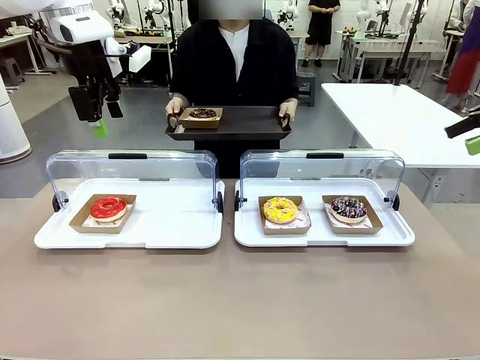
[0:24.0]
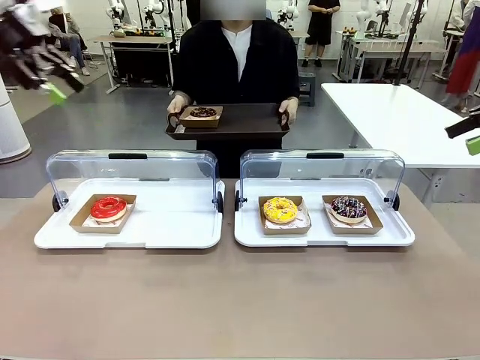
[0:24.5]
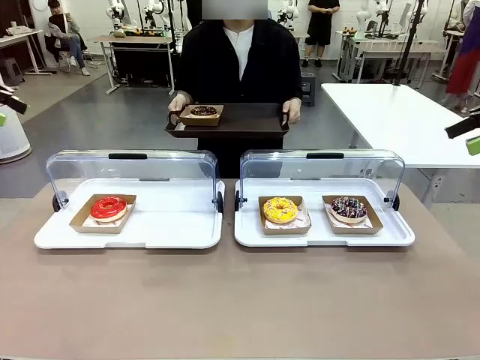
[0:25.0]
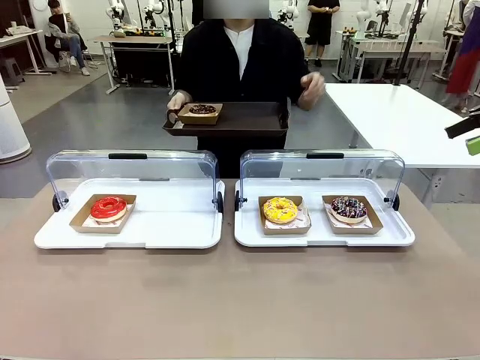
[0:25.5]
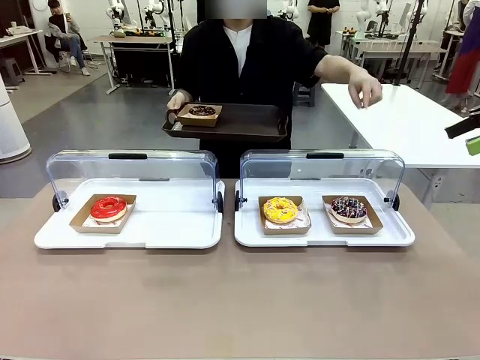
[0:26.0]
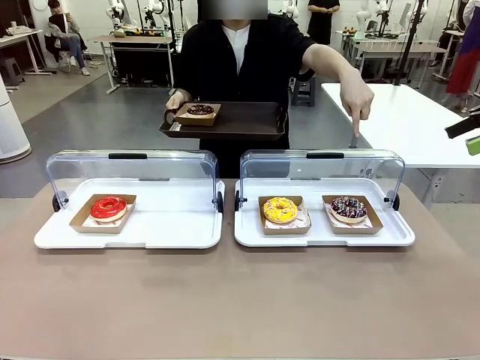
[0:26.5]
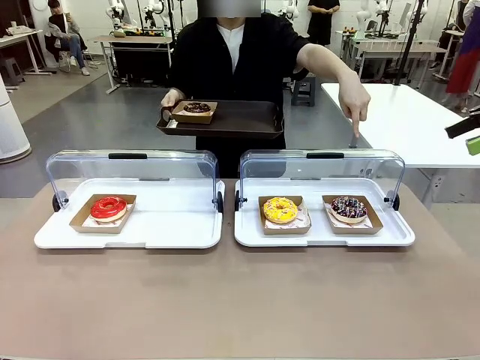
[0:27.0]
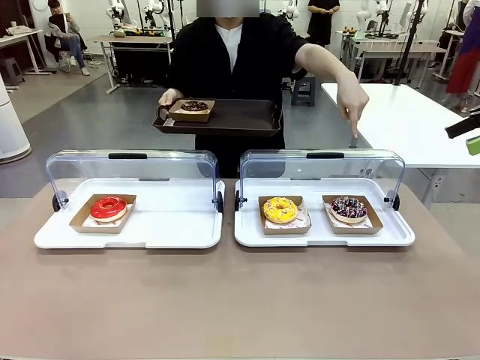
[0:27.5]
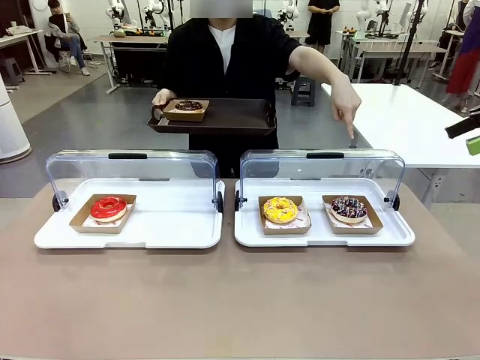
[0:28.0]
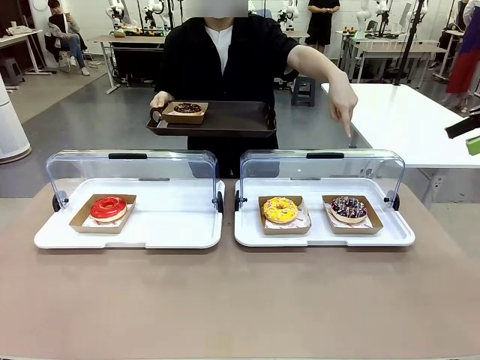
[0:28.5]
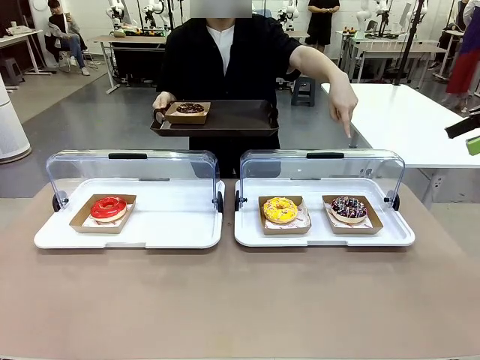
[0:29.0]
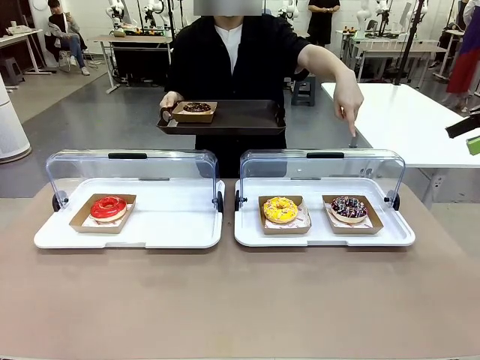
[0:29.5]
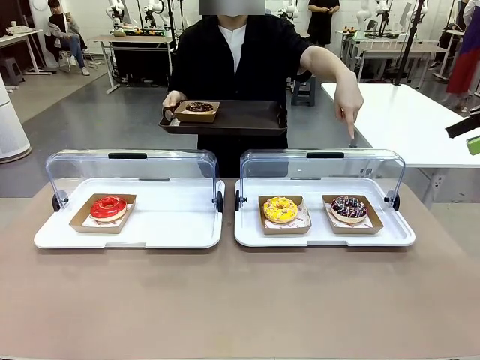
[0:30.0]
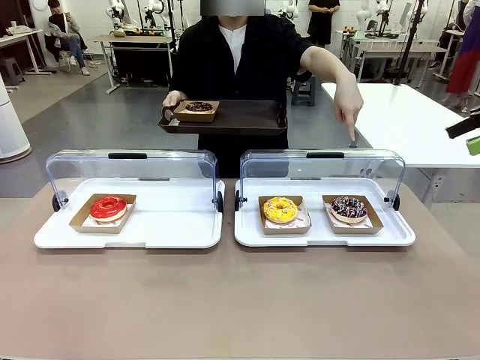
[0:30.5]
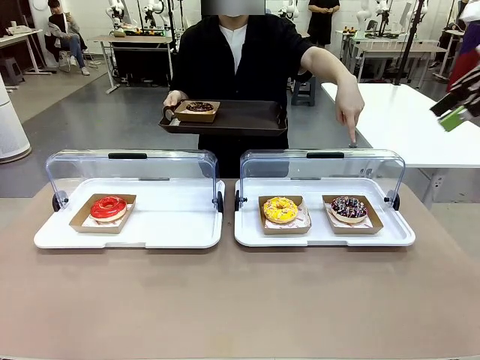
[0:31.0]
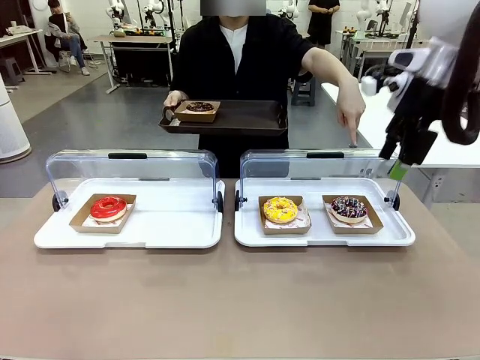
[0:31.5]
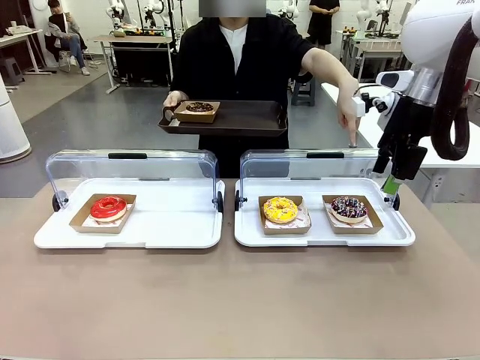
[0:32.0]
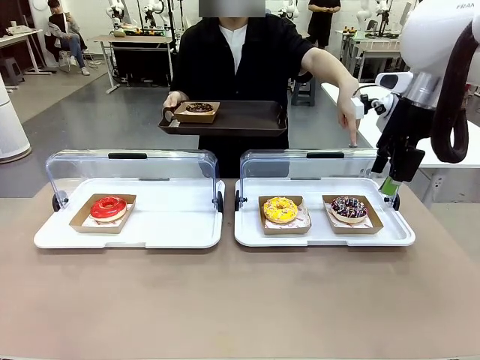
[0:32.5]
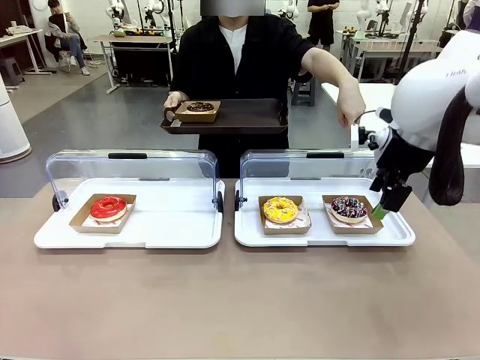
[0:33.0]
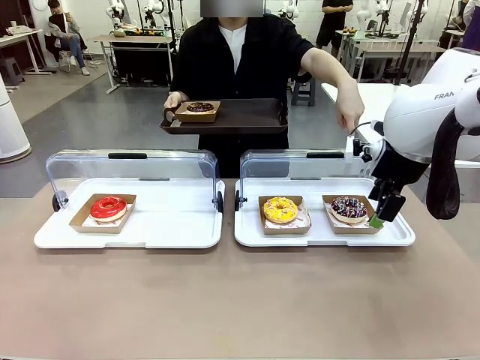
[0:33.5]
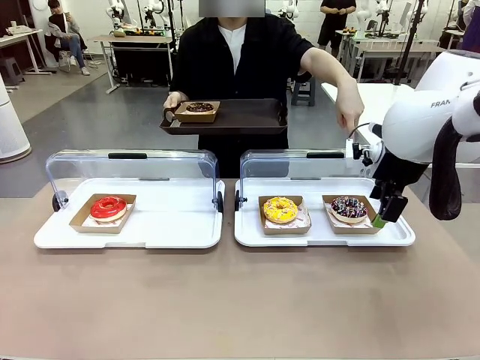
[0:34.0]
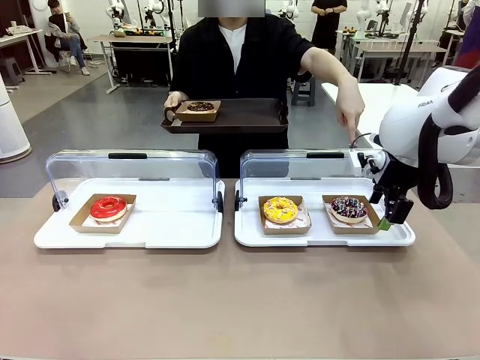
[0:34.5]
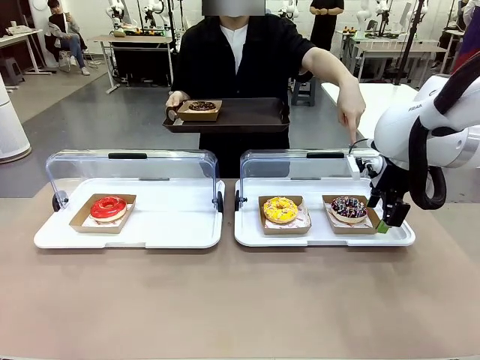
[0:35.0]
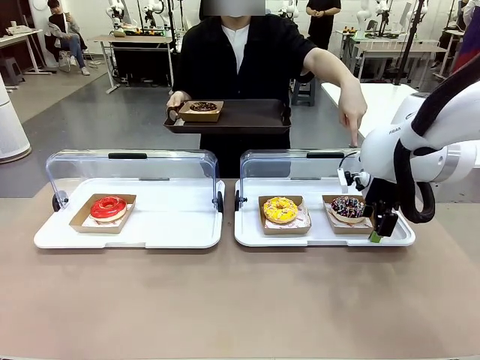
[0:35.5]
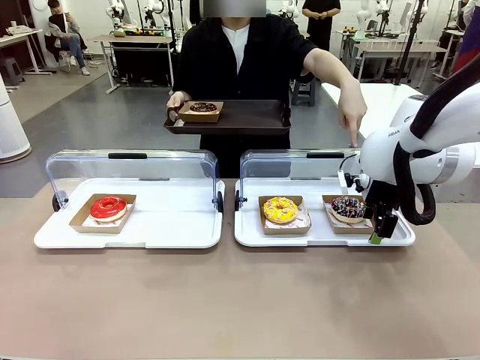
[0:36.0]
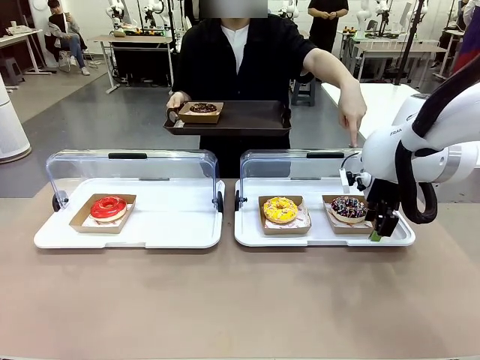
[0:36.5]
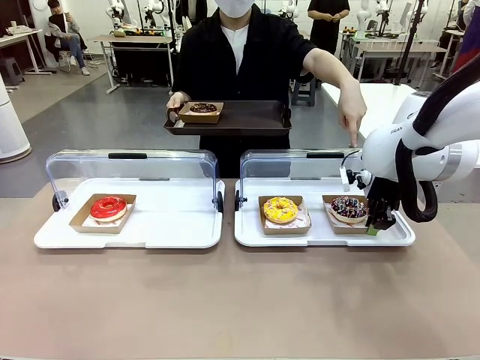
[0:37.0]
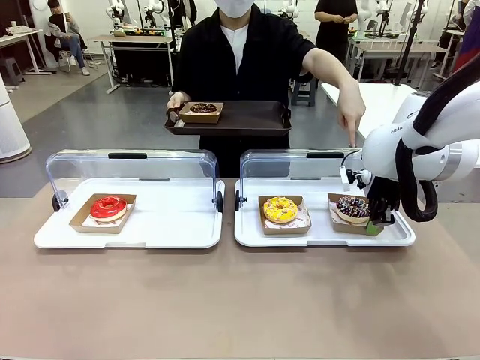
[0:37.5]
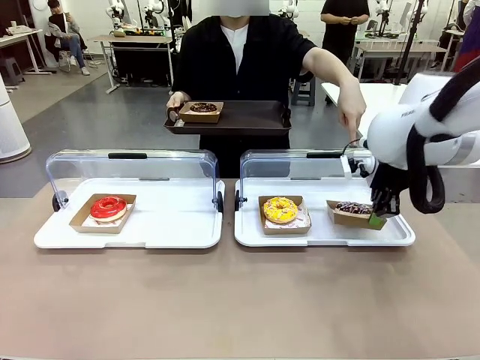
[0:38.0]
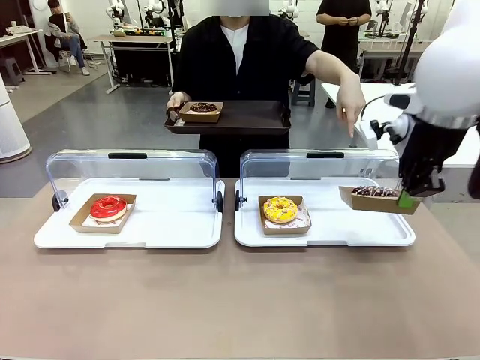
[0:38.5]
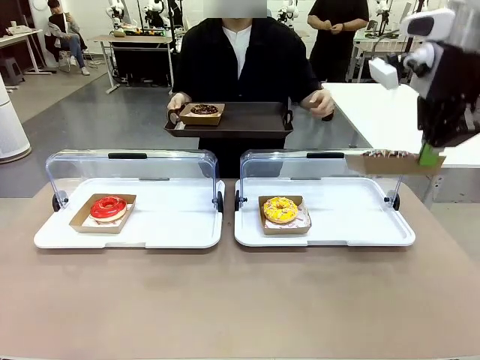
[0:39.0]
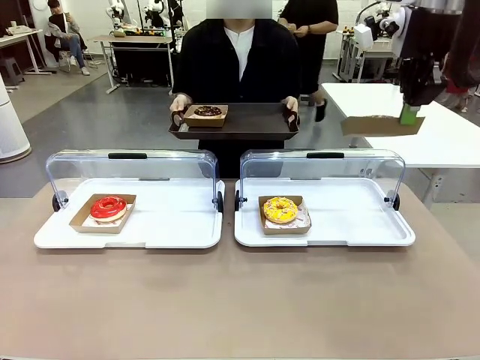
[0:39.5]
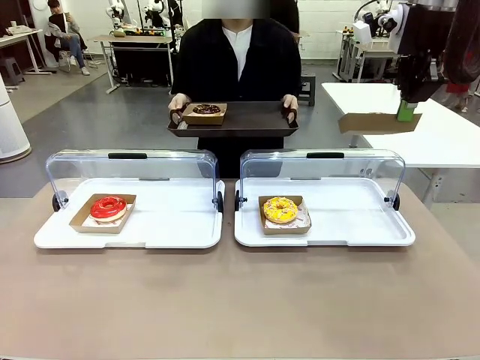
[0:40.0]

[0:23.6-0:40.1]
Task: Provide the desired donut to the person.
Robot: Pick up and lift the Paper togo box containing the Donut pointed at by the person.
Person: Point to one donut. Lift the tray onto the Roll-Top Bakery Case.

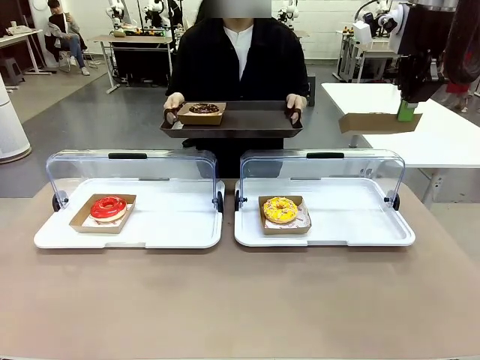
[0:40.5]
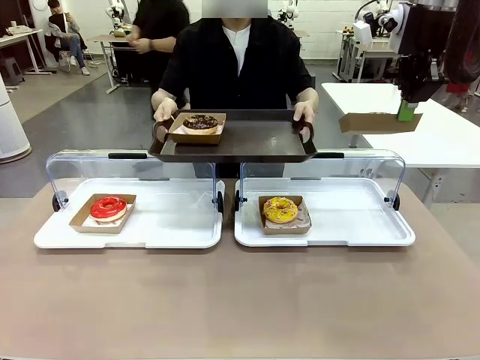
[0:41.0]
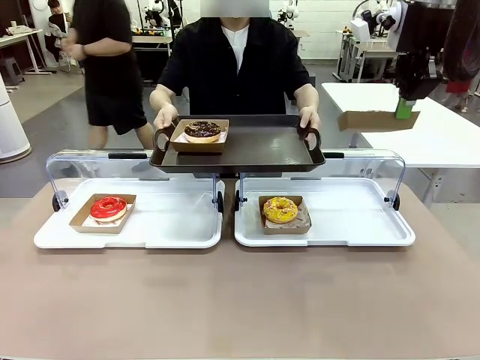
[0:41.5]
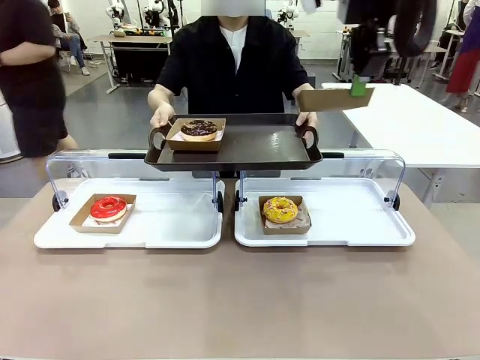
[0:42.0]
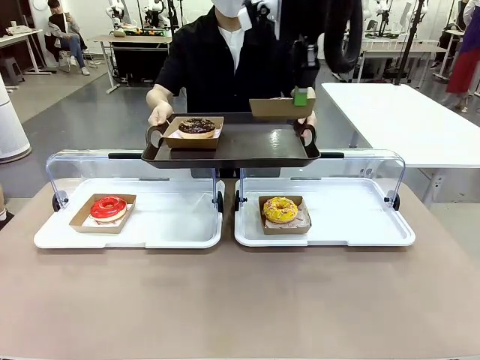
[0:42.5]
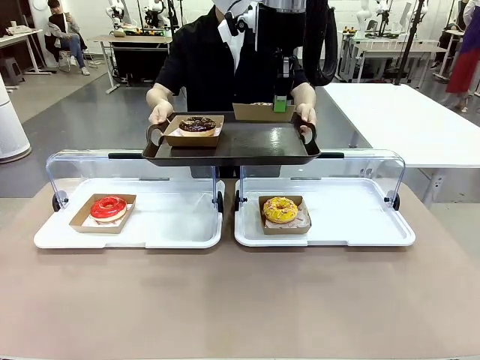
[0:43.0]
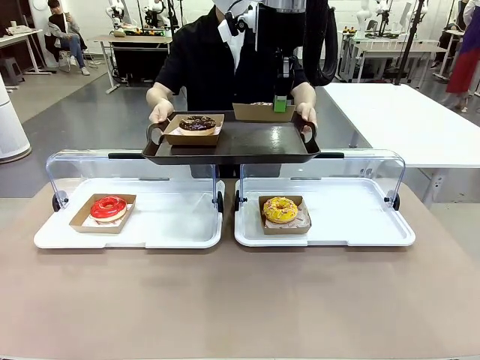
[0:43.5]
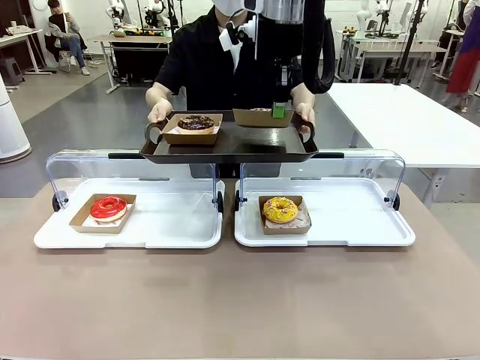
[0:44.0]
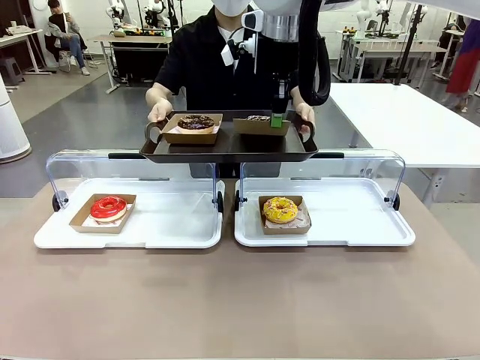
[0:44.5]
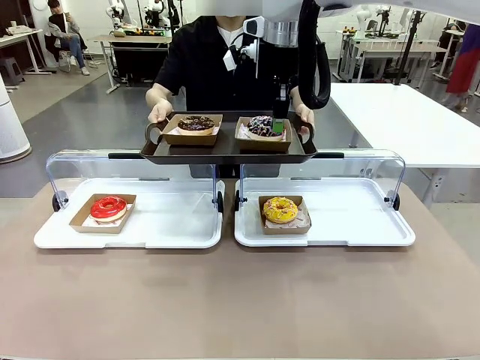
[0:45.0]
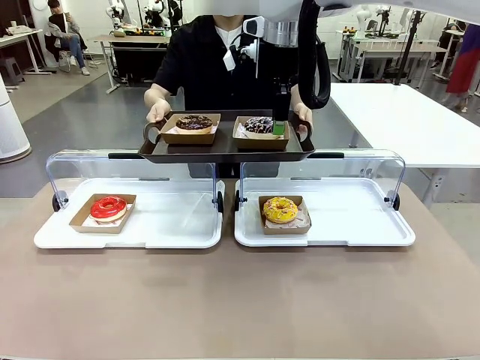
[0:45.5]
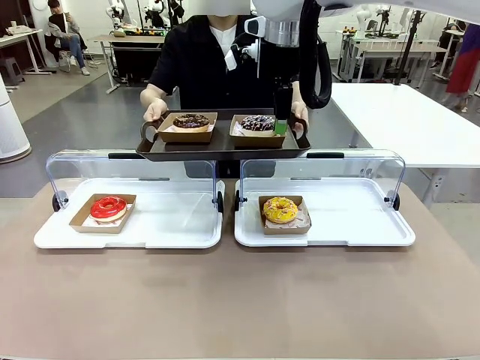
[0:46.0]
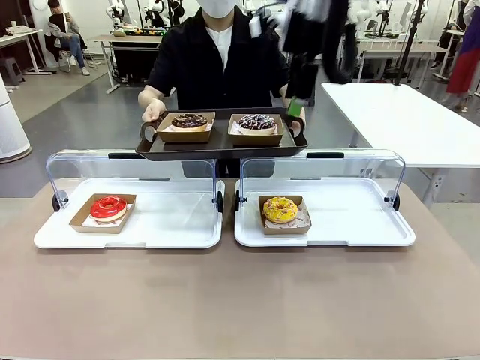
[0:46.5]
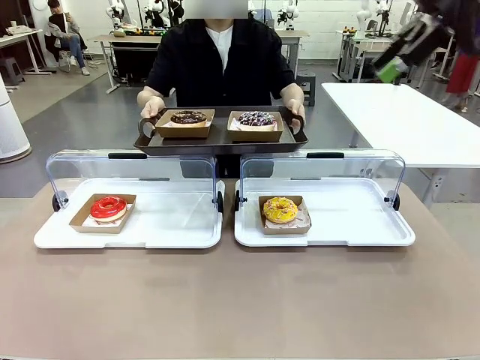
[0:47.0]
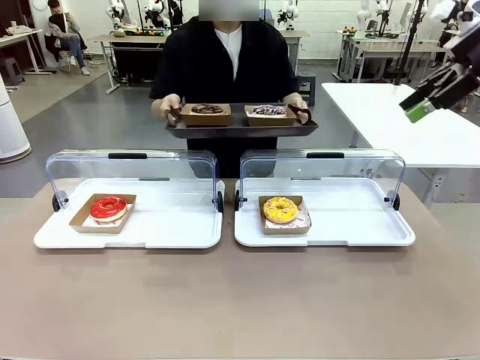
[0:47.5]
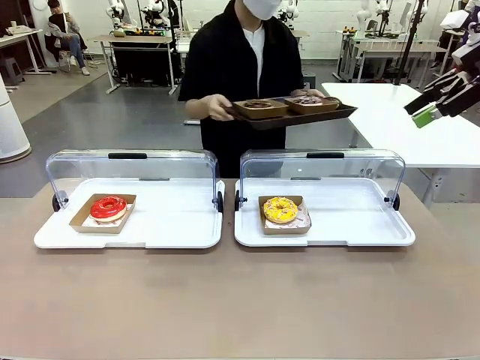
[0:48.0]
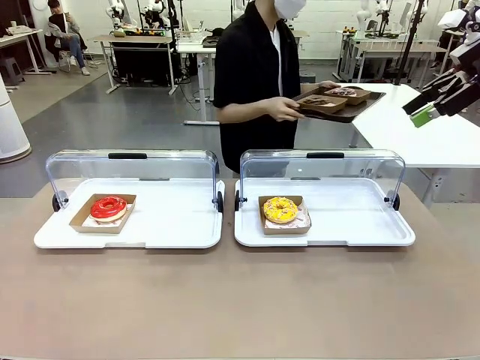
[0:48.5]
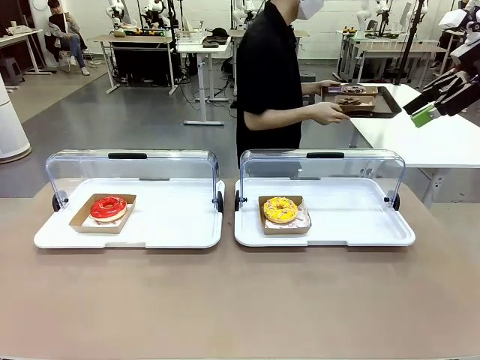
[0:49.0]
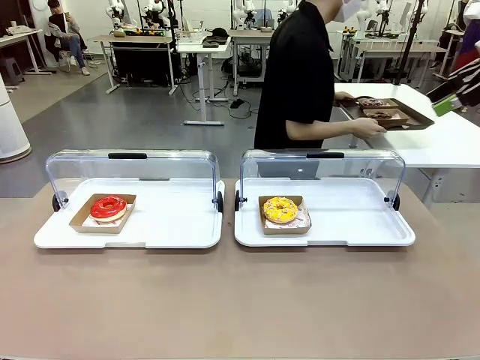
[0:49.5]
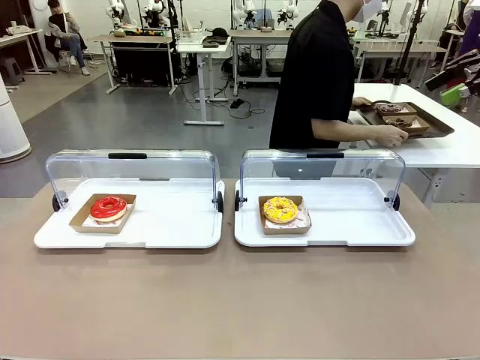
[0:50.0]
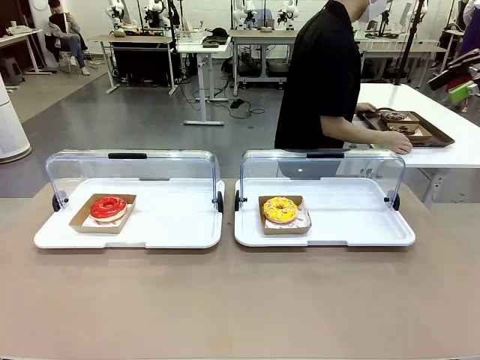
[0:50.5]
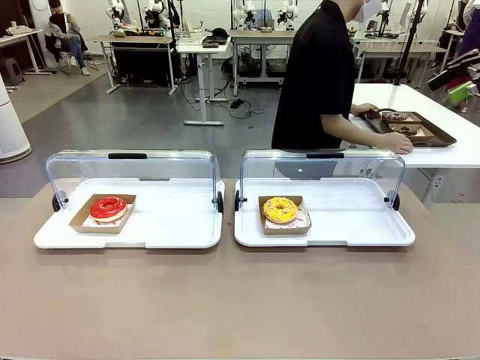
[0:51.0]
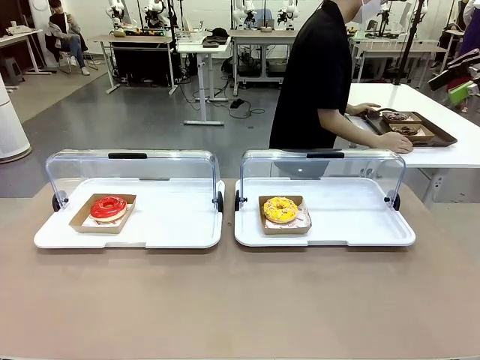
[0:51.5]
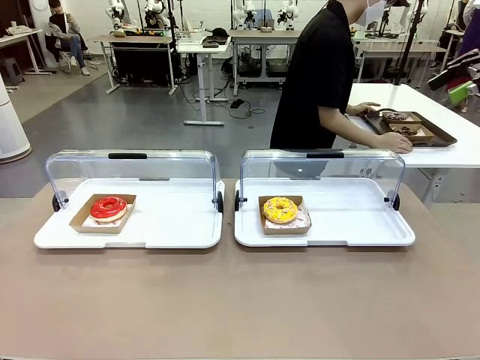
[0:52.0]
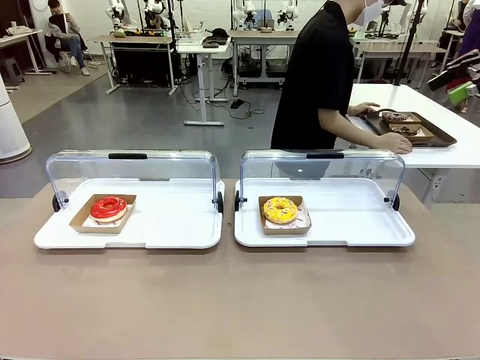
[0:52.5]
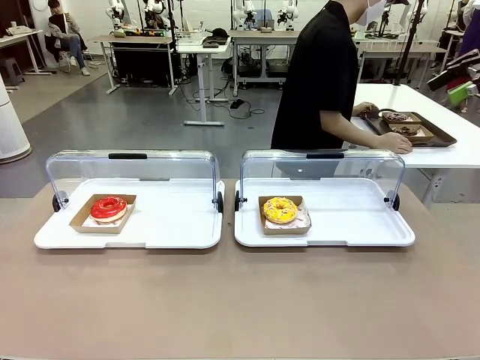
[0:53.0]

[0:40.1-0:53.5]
Robot: Place the picked Paper togo box onto the Handle tray extended by the person.
Person: Place the tray in the middle of the human table.
